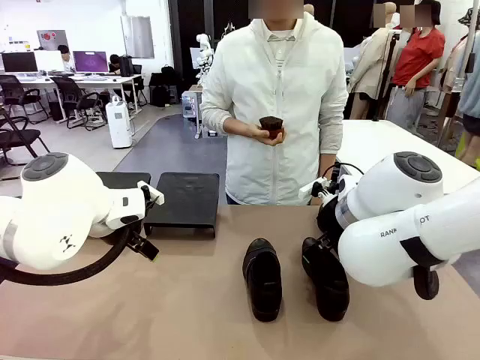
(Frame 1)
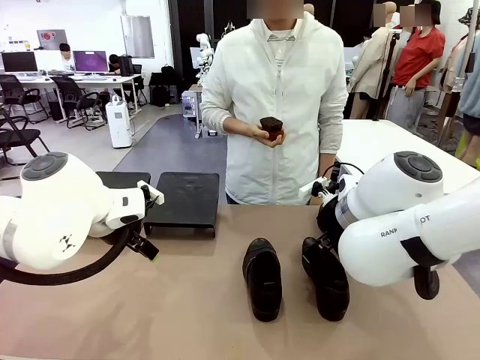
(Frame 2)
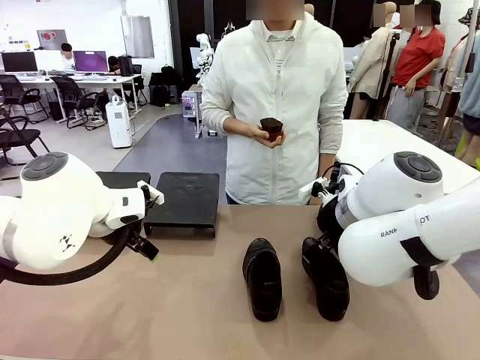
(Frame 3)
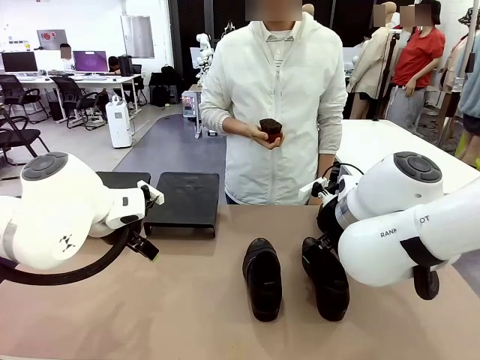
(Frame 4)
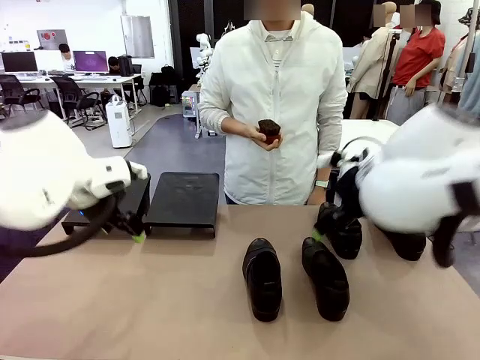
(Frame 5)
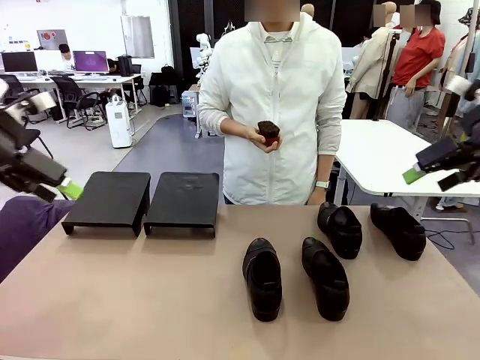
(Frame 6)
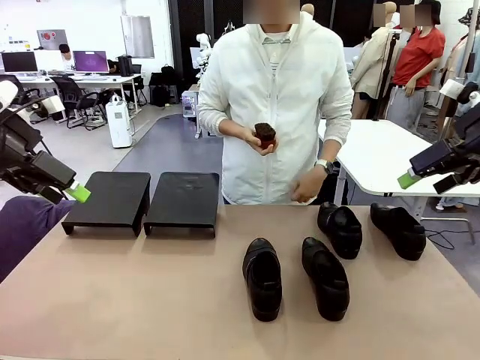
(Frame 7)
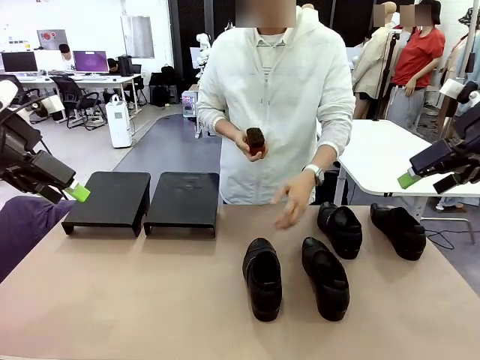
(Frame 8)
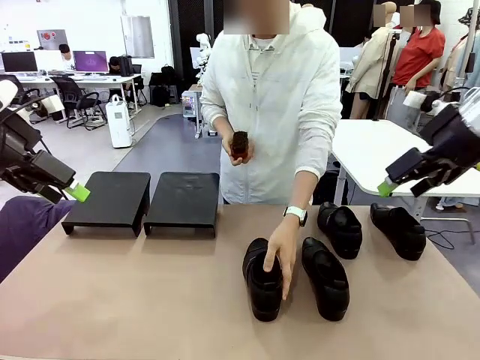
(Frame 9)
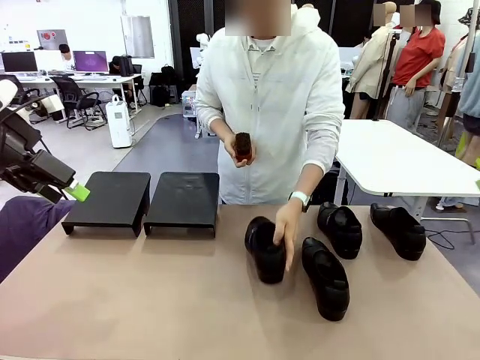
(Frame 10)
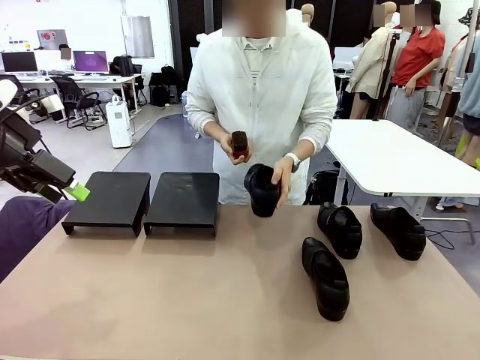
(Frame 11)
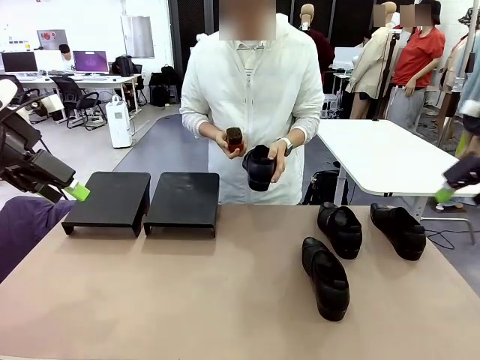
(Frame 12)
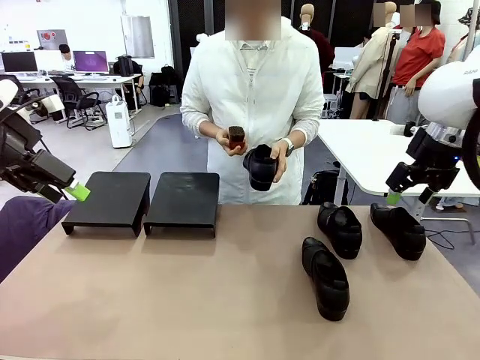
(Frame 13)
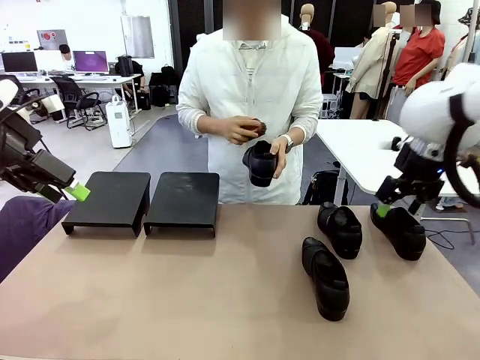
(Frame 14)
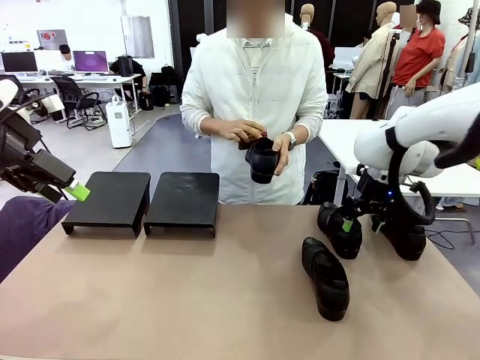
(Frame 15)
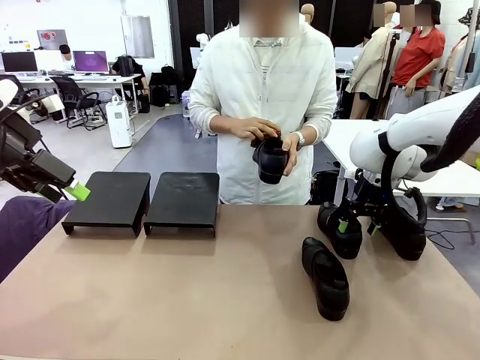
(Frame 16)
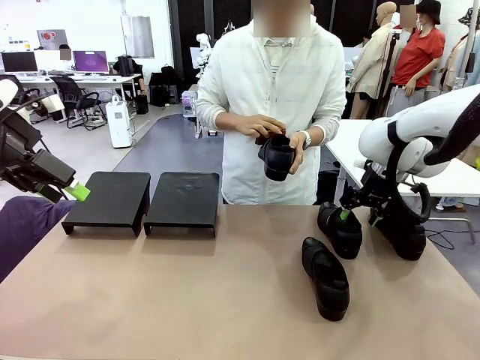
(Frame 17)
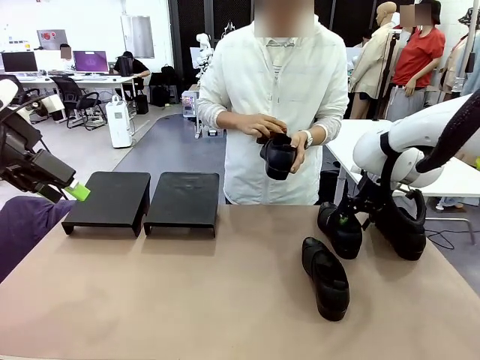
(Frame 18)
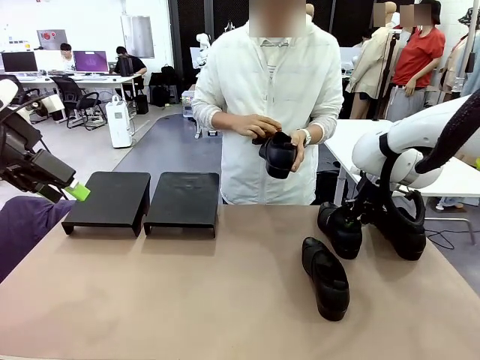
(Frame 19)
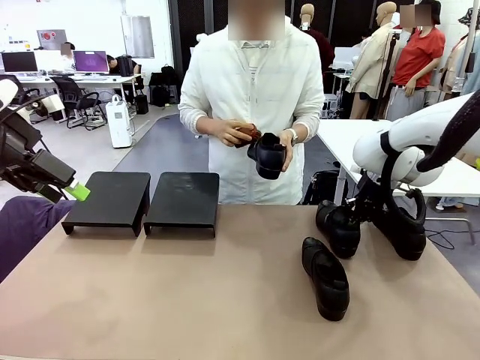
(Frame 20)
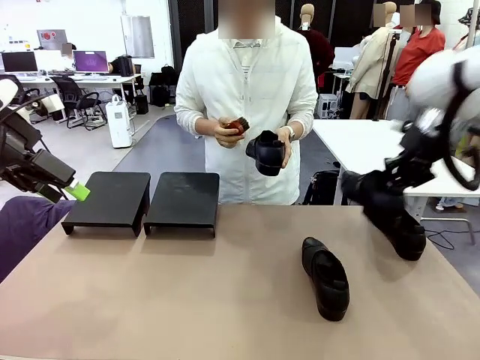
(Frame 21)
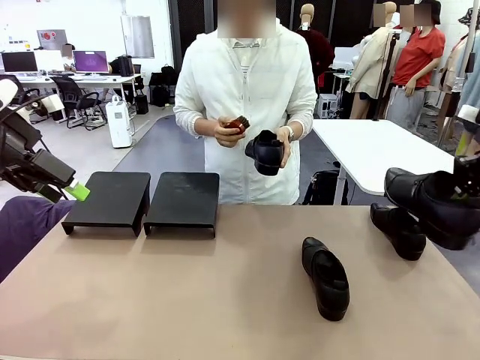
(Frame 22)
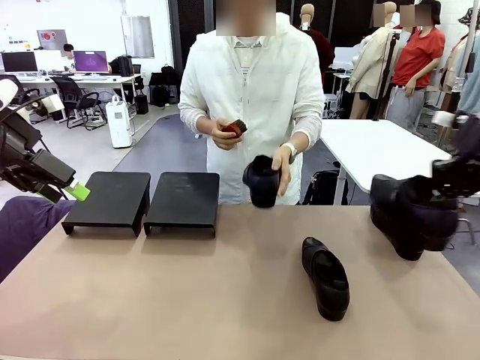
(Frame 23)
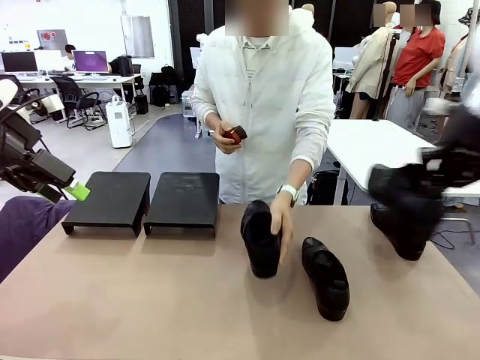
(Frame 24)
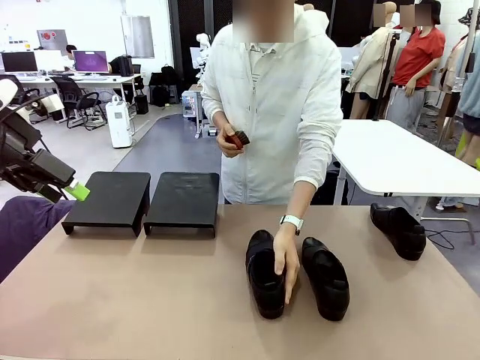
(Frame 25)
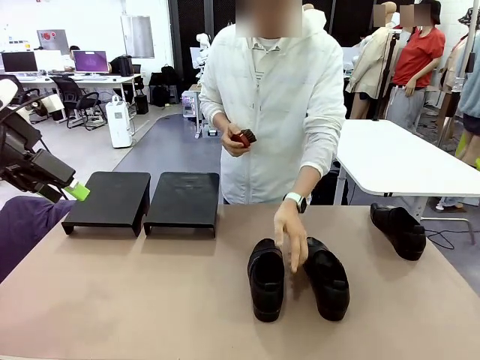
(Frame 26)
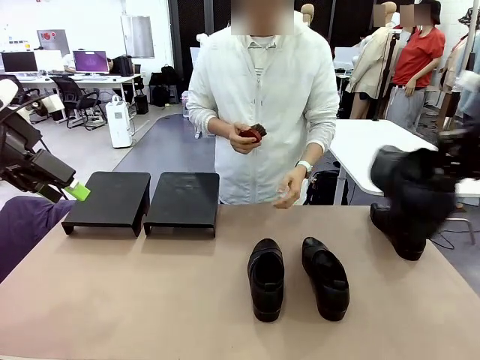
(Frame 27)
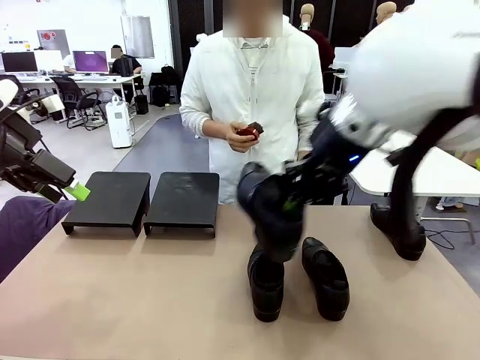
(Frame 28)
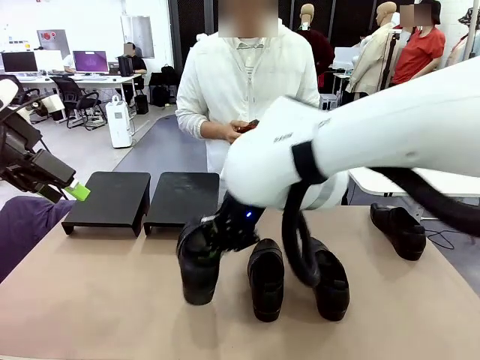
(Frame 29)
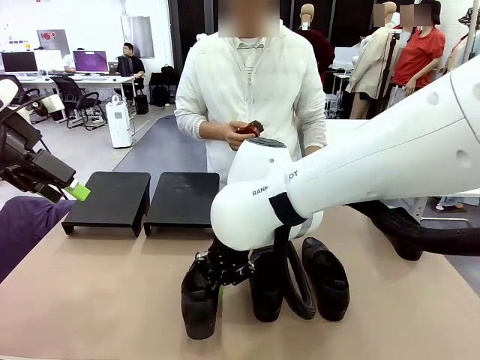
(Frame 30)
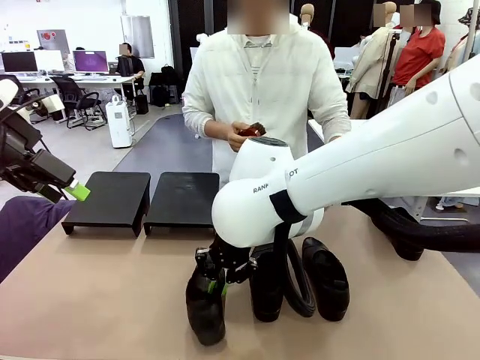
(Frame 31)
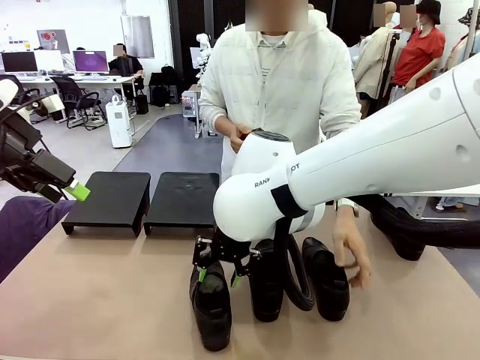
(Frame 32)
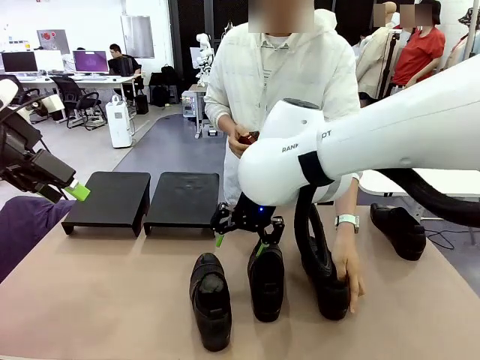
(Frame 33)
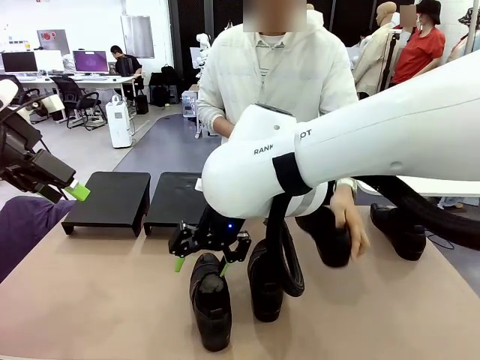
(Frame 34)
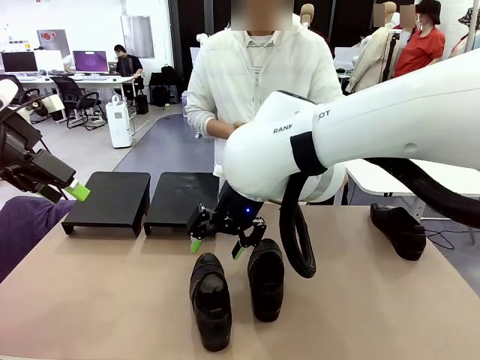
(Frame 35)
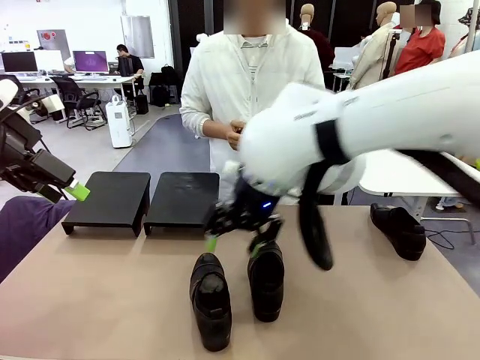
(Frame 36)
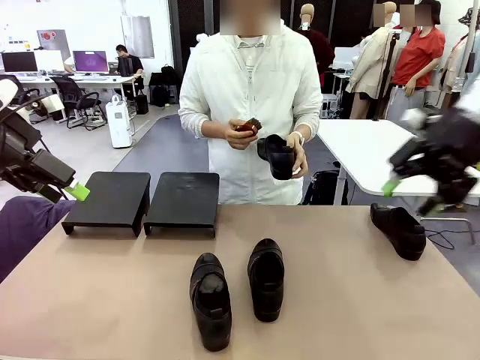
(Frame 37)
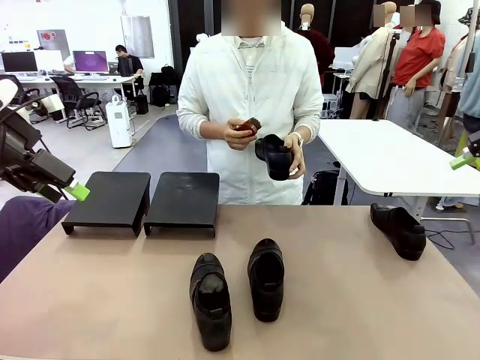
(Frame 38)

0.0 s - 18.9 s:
Task: Organize the shoes by placing them on the stand.
Robot: Pick up one Shoe and place it in the middle of the table.
Person: Pick one Shoe on Robot's table. Clean the Shoe with the Shoe Brush. Place the Shoe on left side of the Robot's table. Pick one Shoe on Robot's table.
